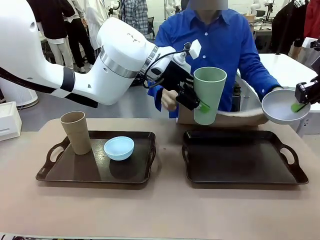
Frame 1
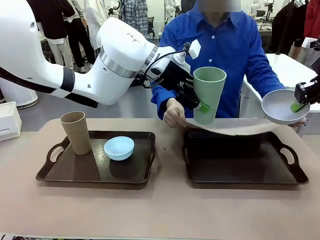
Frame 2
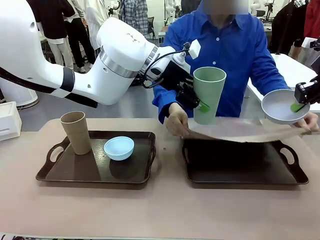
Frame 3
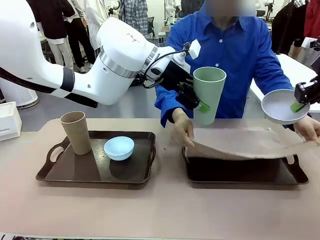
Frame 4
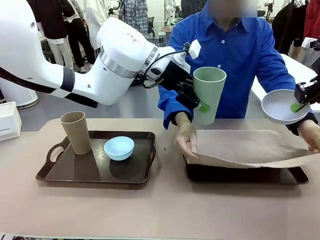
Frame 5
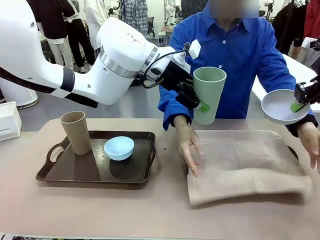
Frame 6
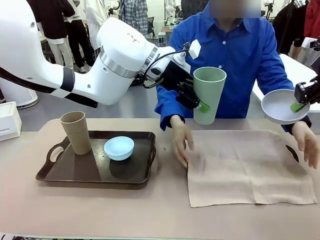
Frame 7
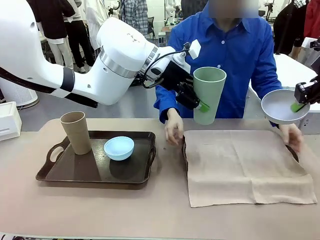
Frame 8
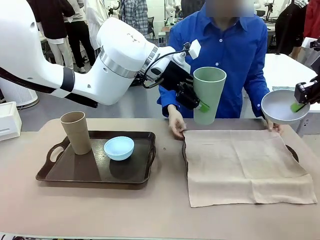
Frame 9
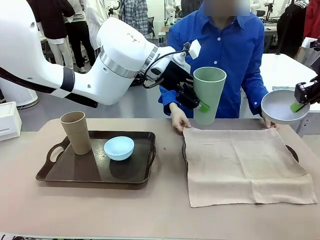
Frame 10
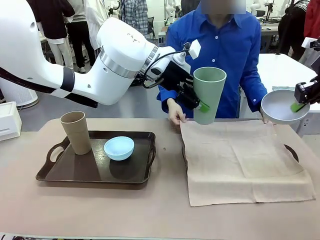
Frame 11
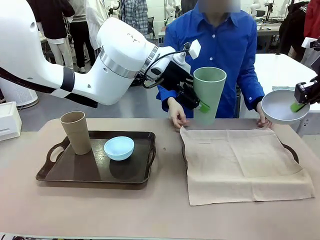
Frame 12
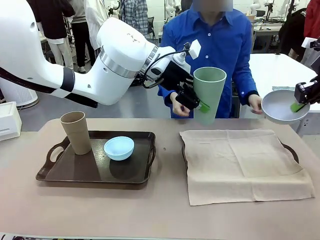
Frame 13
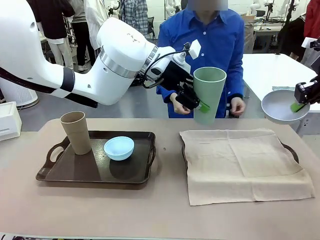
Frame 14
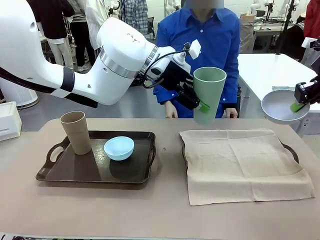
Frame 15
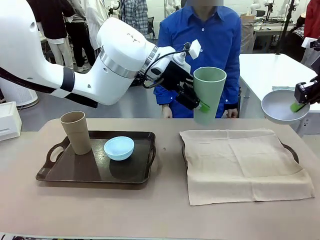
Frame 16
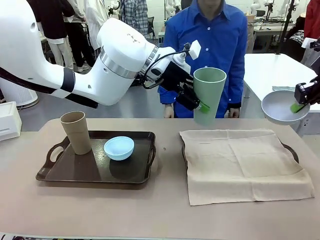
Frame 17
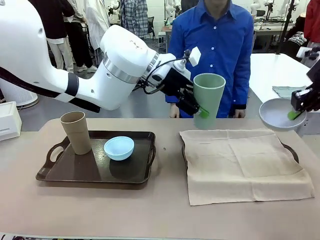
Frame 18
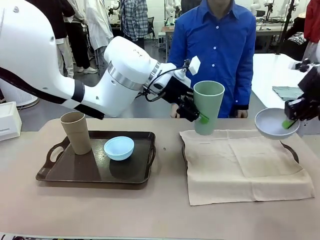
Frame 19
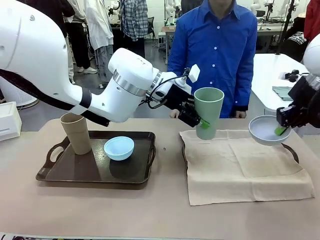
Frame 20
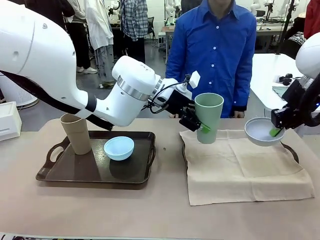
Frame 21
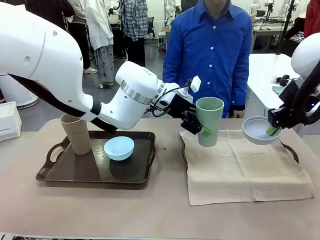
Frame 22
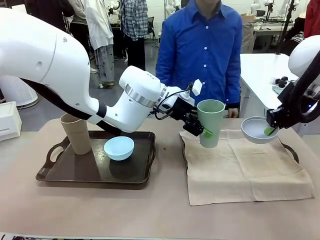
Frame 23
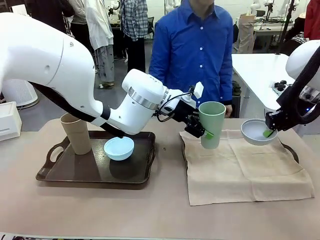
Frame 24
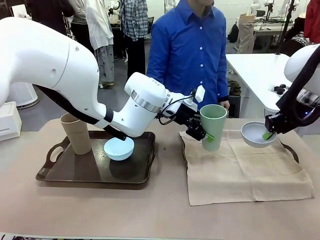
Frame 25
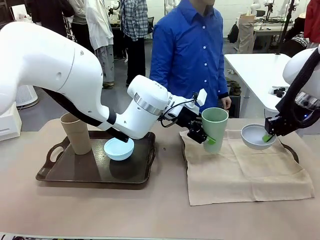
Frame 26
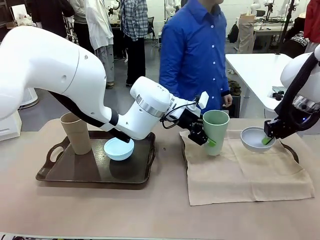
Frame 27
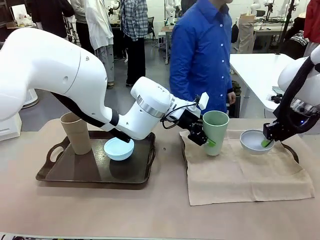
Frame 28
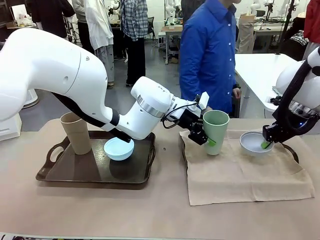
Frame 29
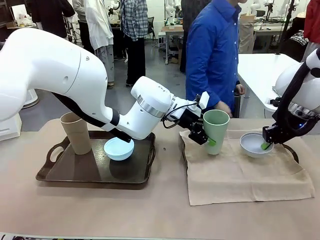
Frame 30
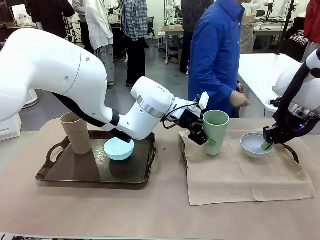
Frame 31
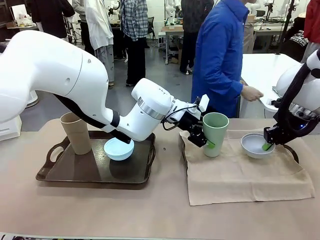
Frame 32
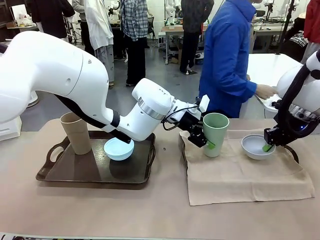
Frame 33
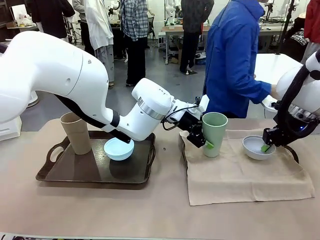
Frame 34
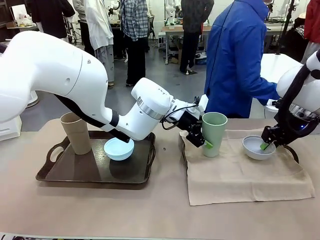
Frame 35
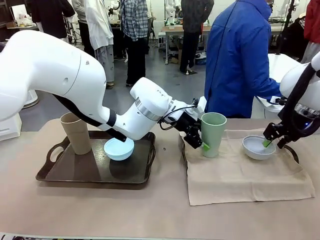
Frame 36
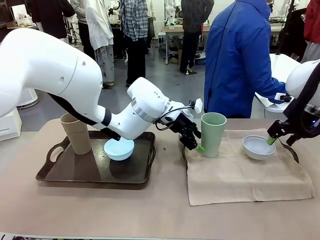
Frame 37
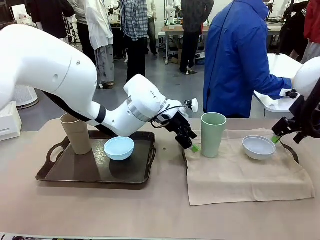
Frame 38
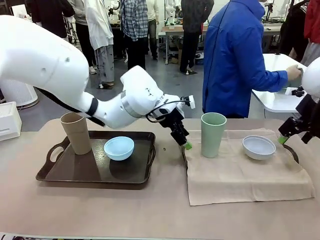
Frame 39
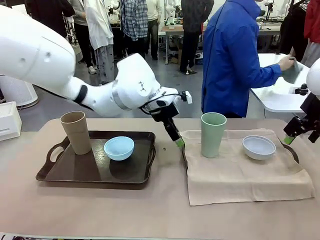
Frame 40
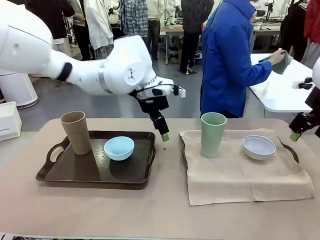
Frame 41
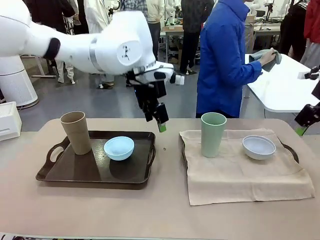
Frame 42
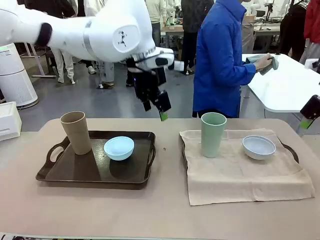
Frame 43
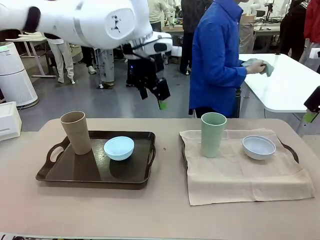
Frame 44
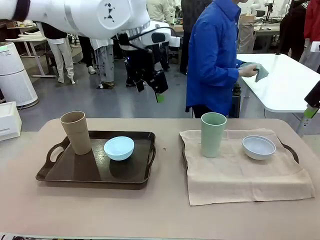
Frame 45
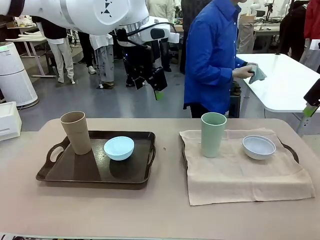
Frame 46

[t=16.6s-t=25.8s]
Robot: Place the Picnic Bowl and Reusable plastic cup back onto the Handle tray in front of the human's position.
